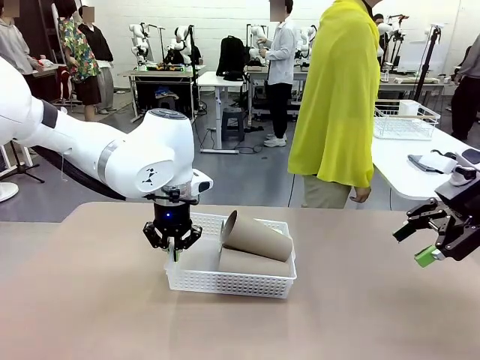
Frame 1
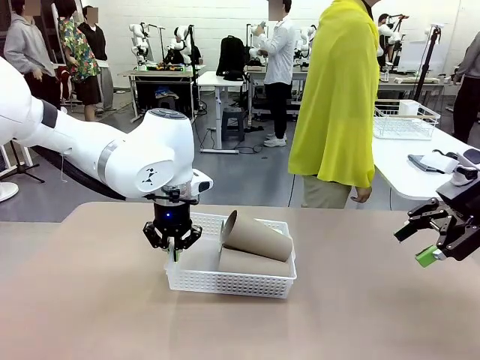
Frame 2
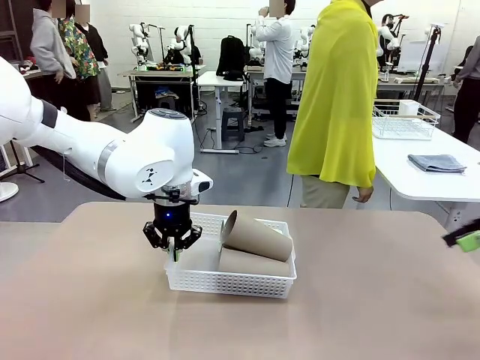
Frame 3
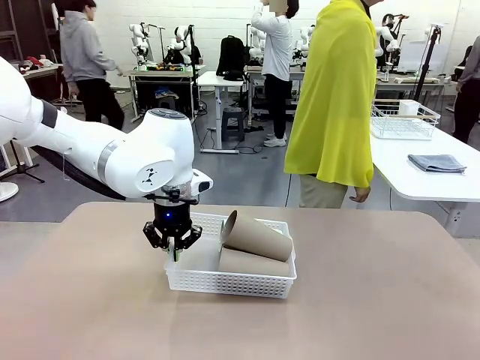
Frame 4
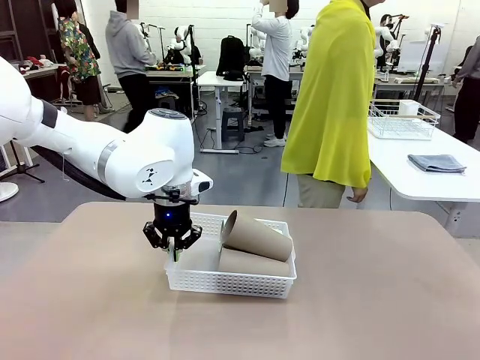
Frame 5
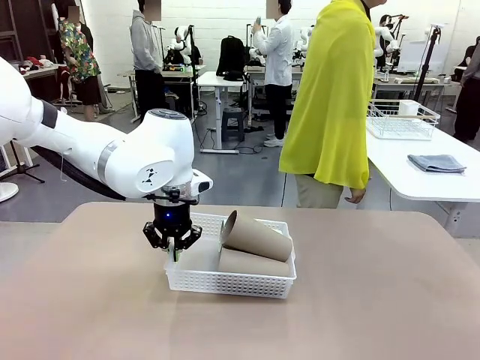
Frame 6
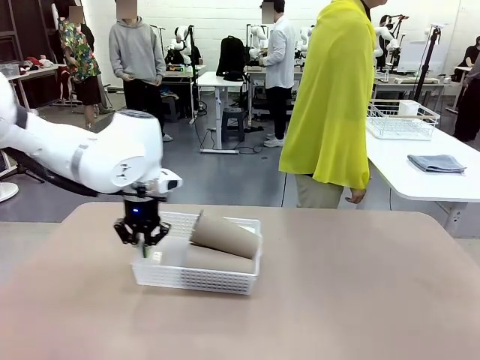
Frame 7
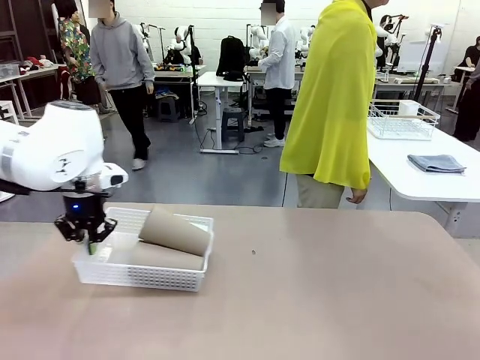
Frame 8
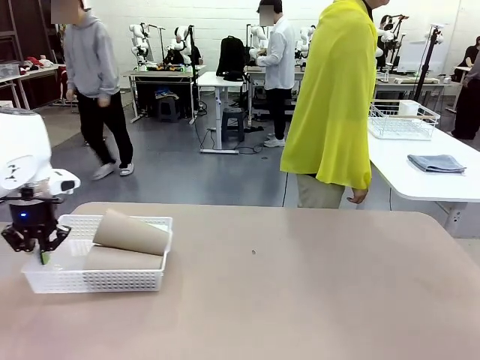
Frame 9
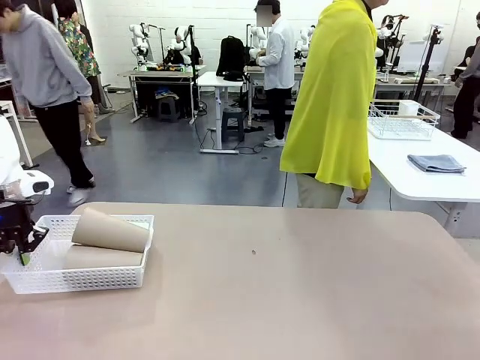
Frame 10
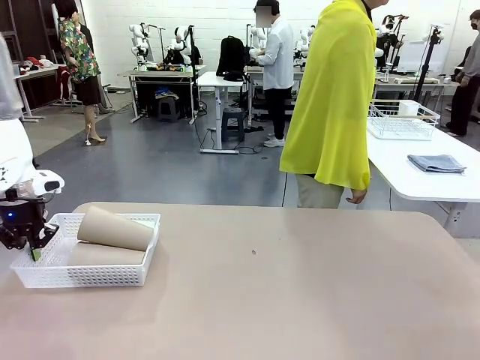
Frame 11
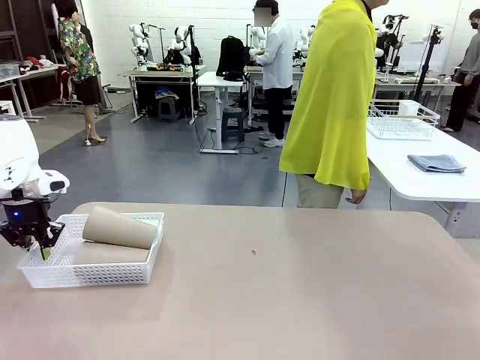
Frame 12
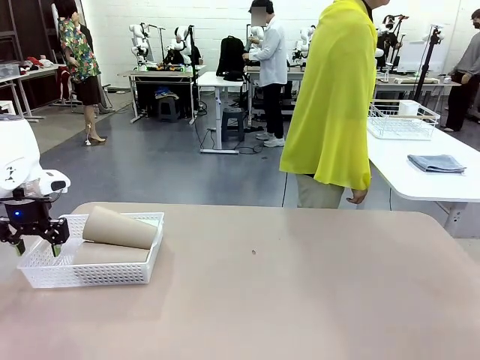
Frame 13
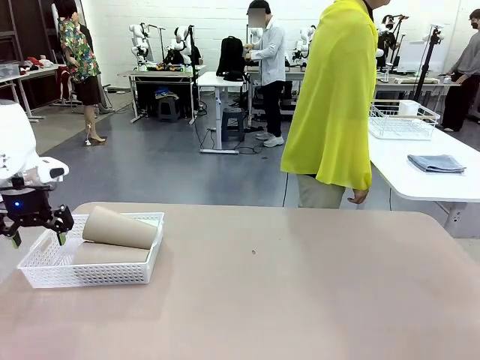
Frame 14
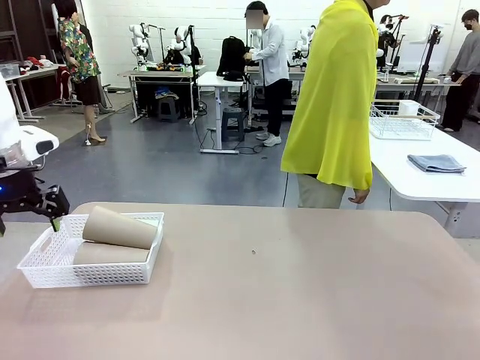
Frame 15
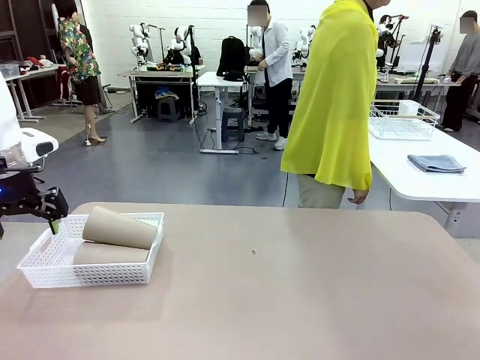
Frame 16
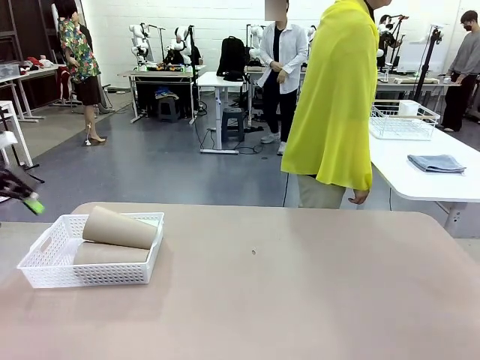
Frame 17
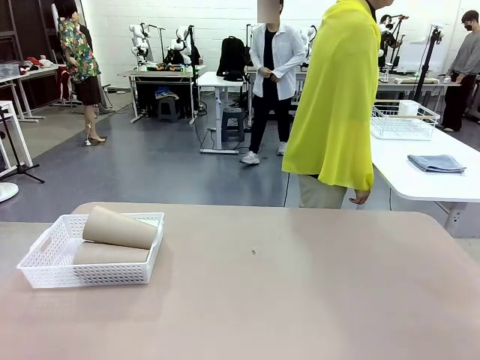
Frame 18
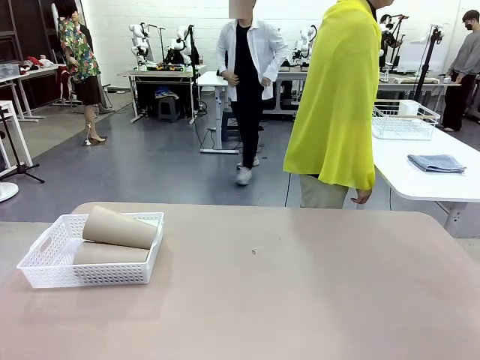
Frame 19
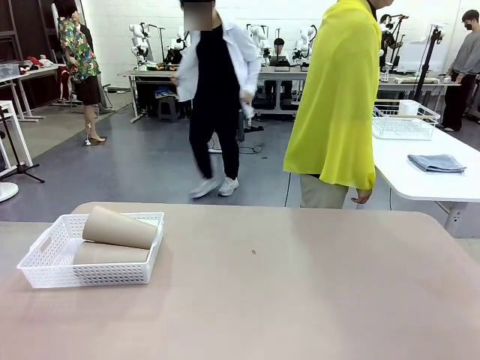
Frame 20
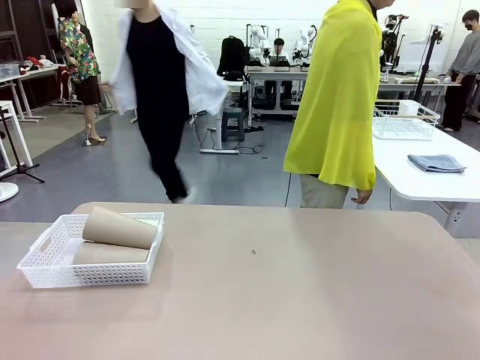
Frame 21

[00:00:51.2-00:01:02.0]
Task: Clean and organize the cups into the basket.
Robot: Move the Organizing basket back to the left side of the table.
Person: Folds the towel in half twice and places it in the right of the table.

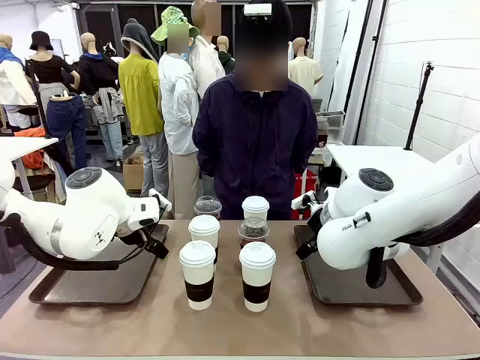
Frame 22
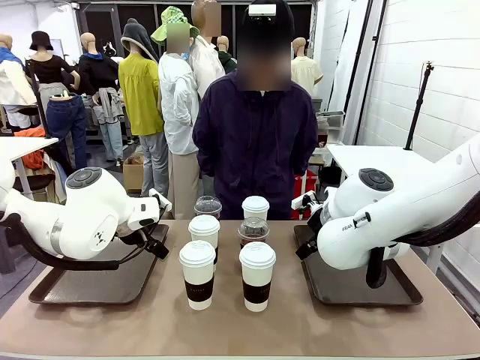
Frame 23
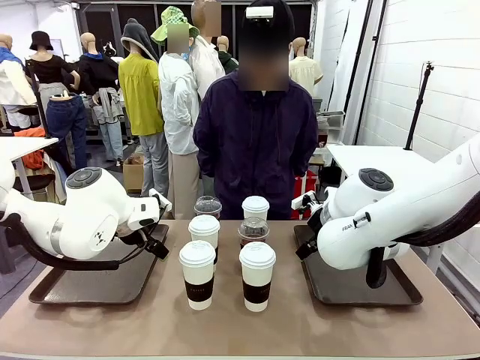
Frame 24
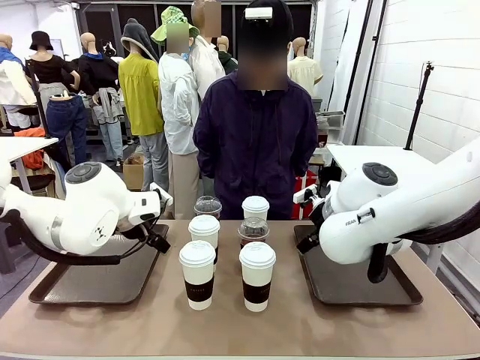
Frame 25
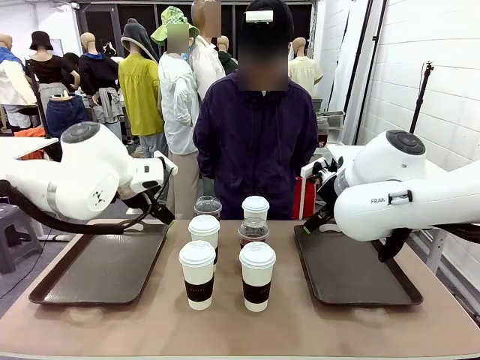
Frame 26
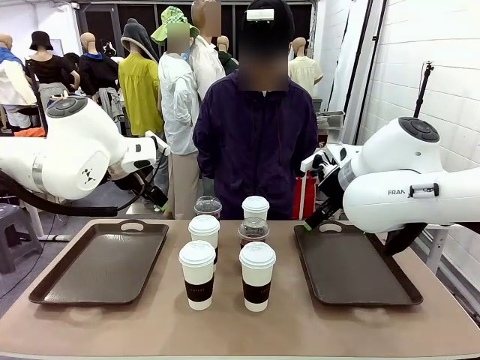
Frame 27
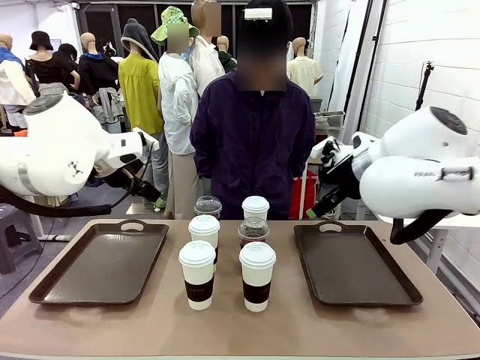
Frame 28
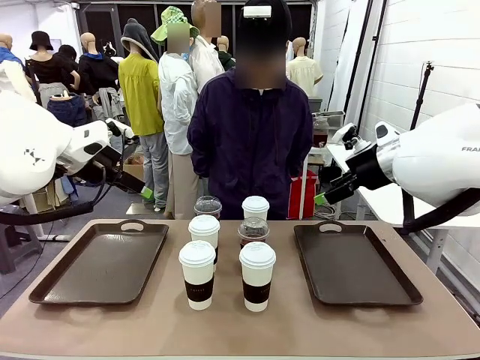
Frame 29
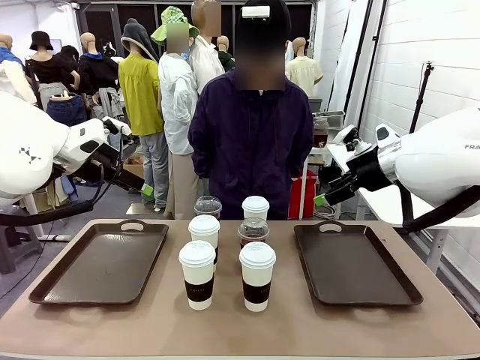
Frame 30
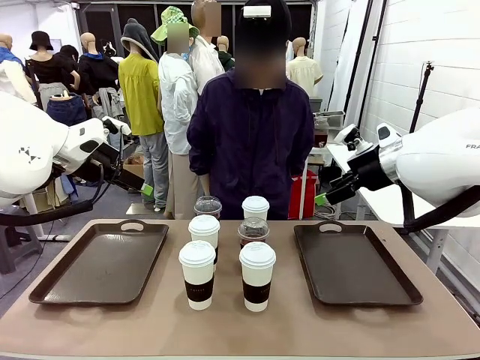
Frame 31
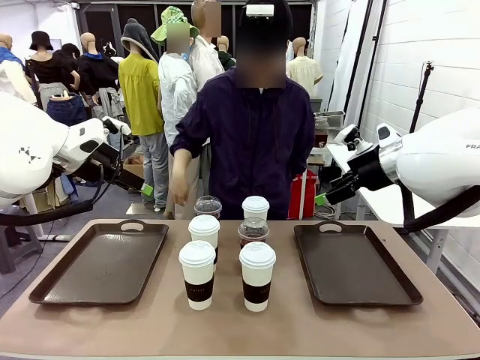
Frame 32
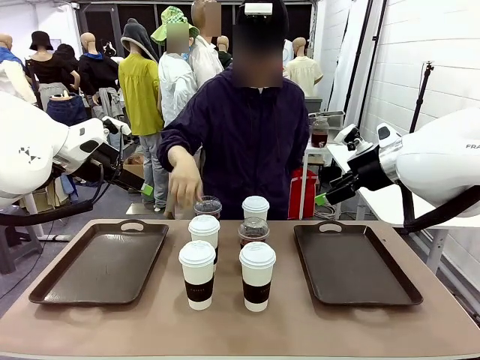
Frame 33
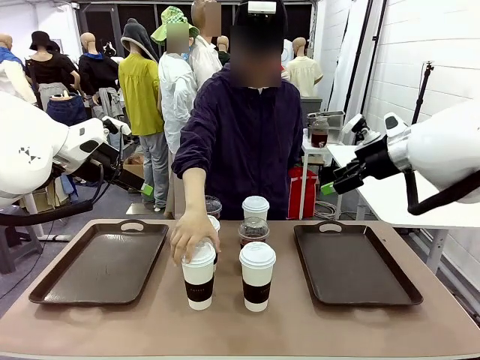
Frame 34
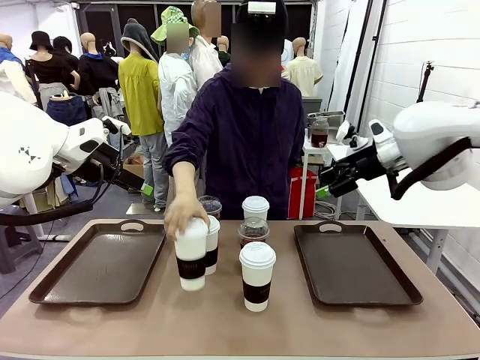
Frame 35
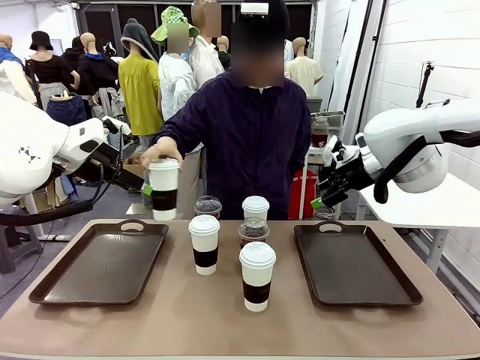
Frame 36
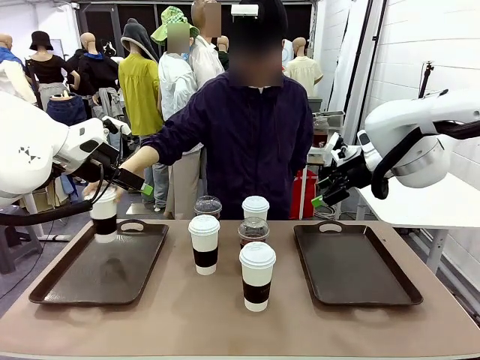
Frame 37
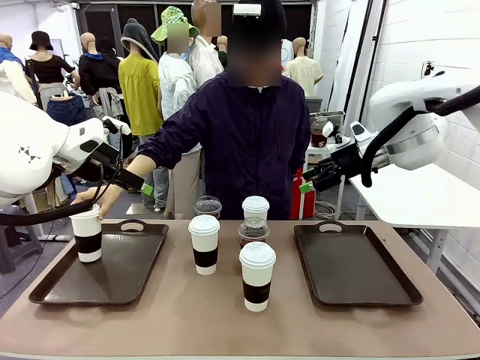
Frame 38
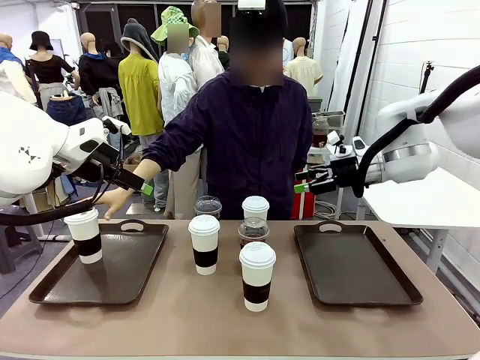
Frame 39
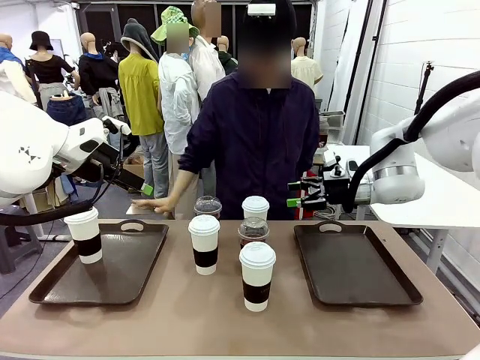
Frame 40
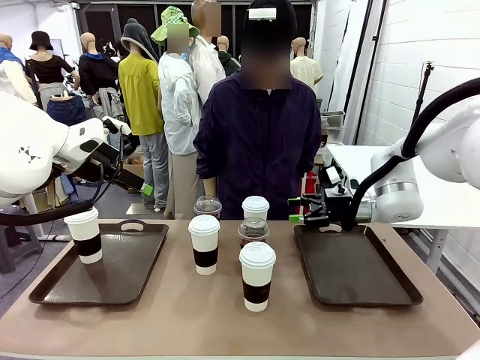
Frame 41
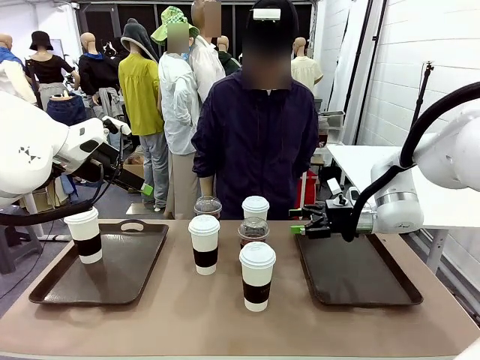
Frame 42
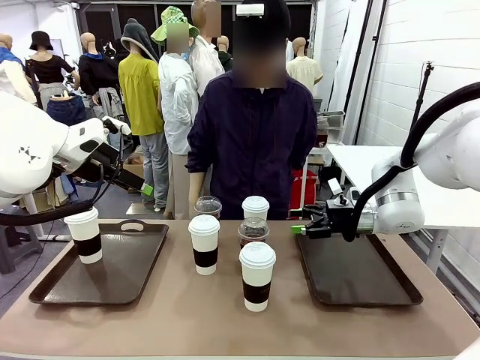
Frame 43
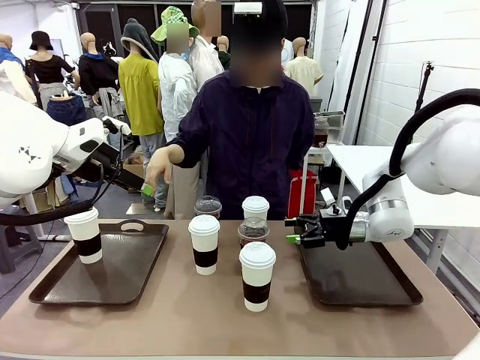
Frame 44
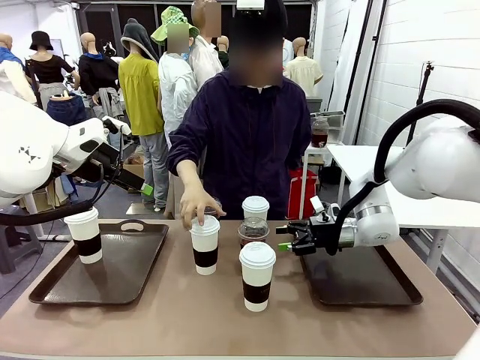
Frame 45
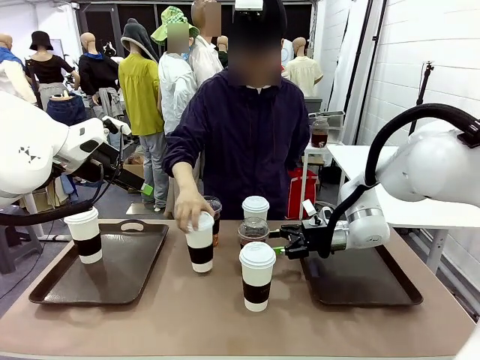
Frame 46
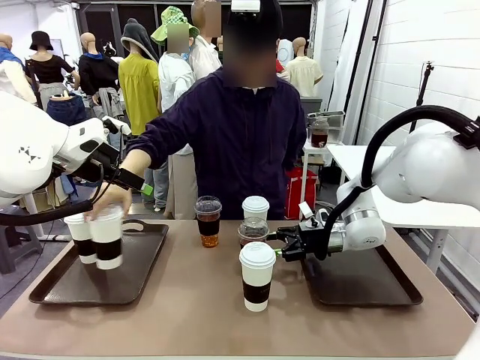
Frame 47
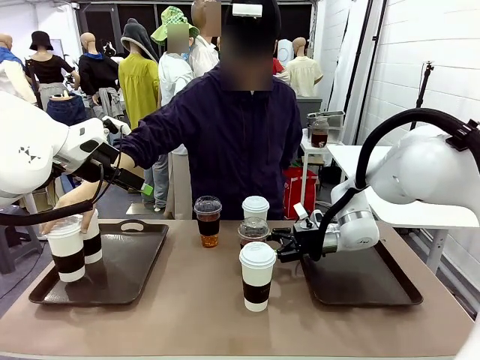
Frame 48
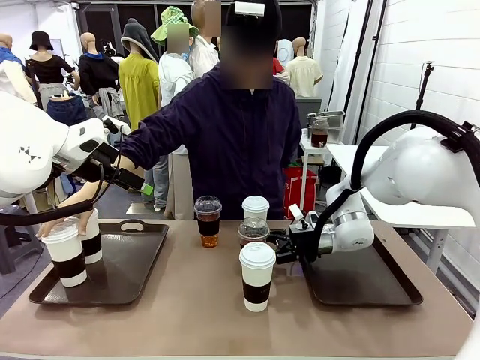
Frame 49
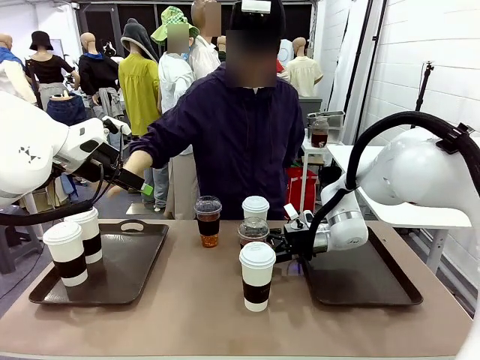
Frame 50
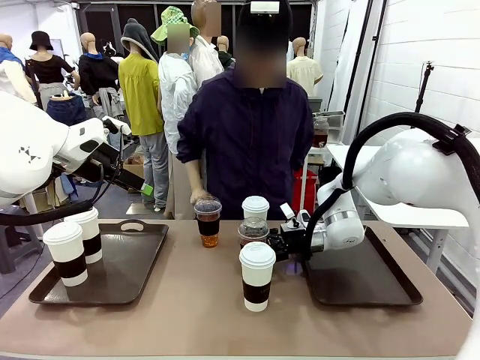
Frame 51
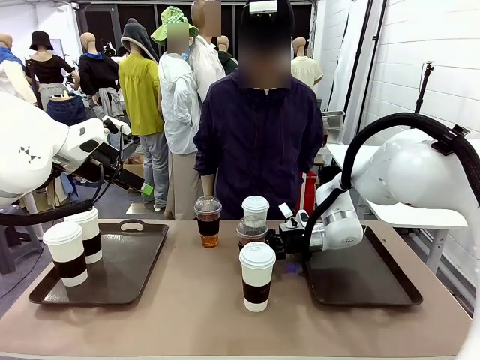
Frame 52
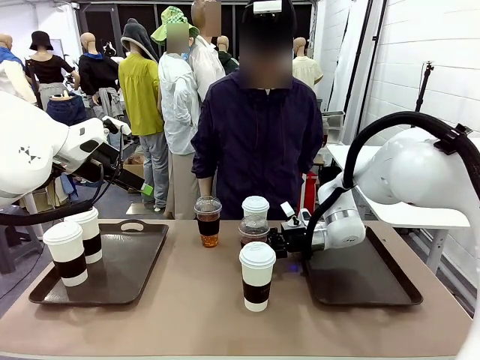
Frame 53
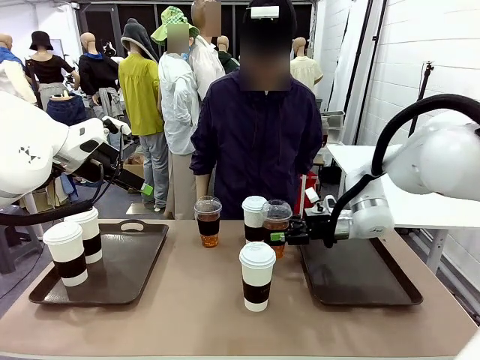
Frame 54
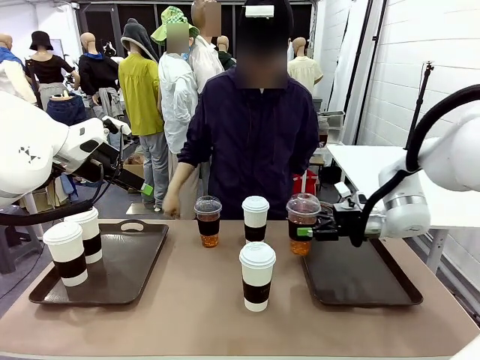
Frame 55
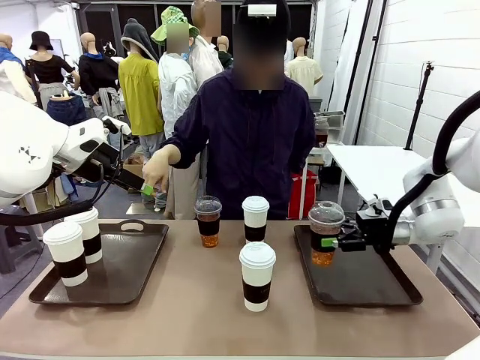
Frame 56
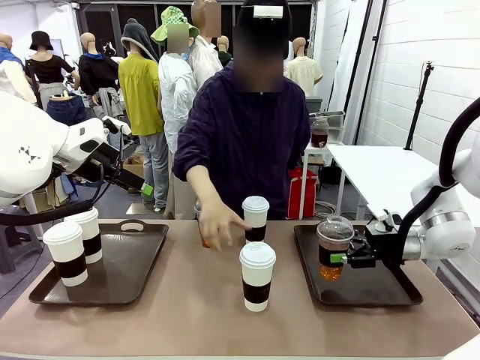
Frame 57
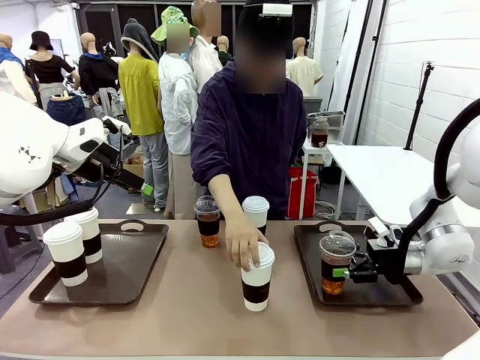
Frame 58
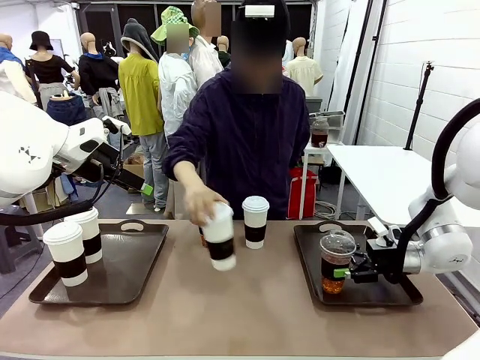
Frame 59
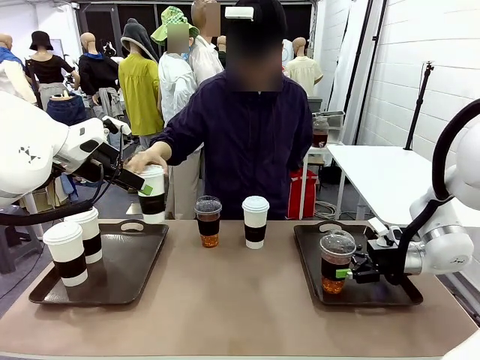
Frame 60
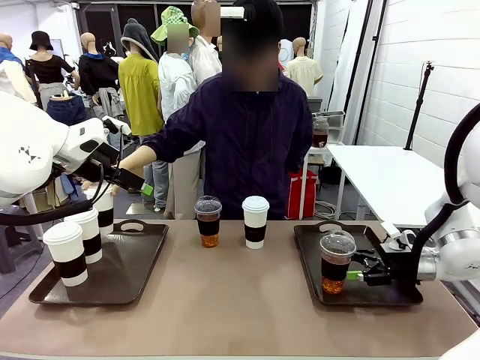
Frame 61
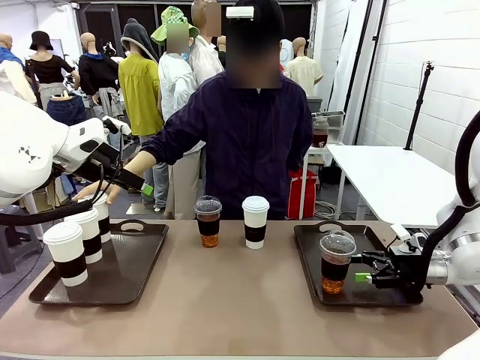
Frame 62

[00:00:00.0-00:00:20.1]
Task: Distribute the coffee onto the tray.
Robot: Pick up one iced Americano and place it on the right Handle tray.
Person: Pick up a cup of hot Americano and place it on the right tray.
